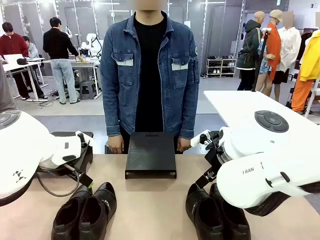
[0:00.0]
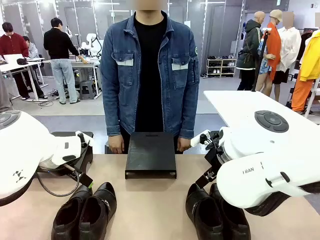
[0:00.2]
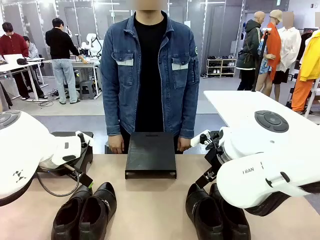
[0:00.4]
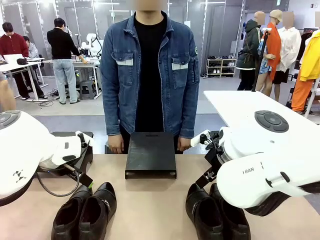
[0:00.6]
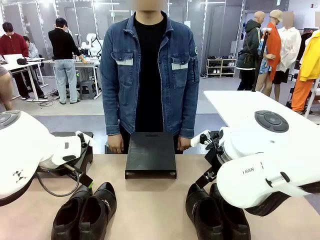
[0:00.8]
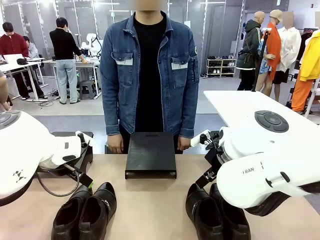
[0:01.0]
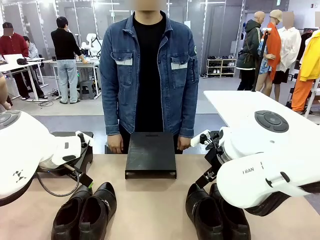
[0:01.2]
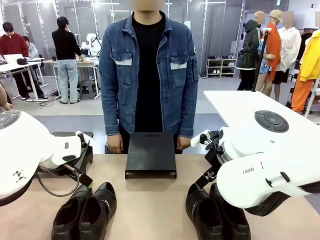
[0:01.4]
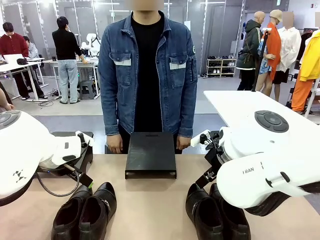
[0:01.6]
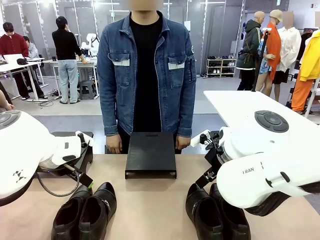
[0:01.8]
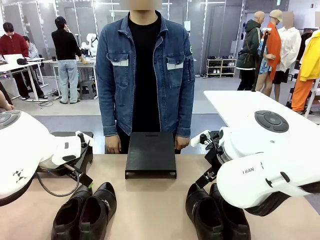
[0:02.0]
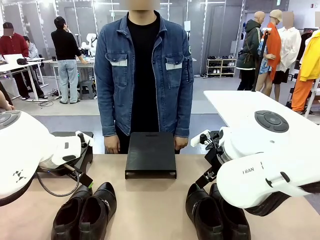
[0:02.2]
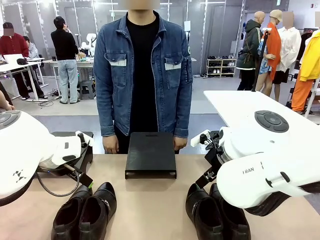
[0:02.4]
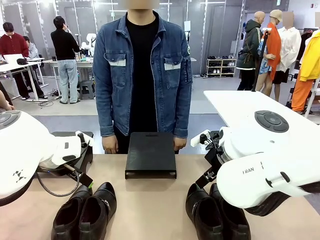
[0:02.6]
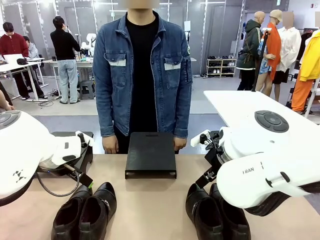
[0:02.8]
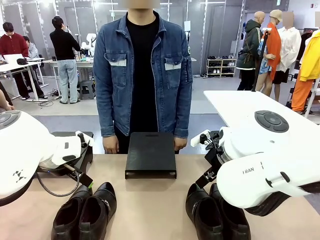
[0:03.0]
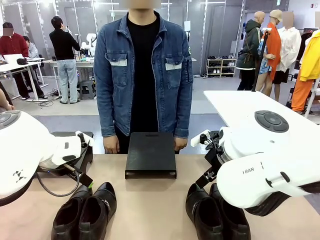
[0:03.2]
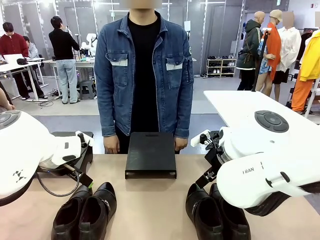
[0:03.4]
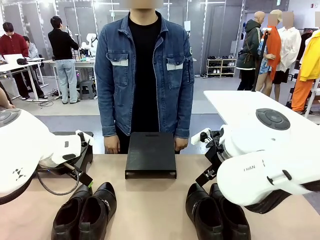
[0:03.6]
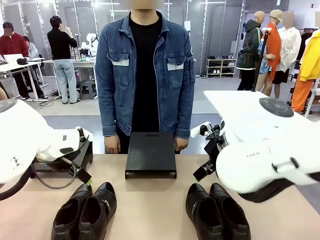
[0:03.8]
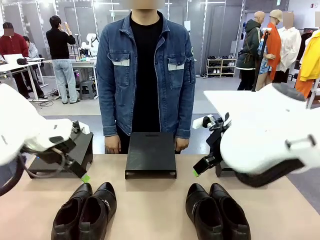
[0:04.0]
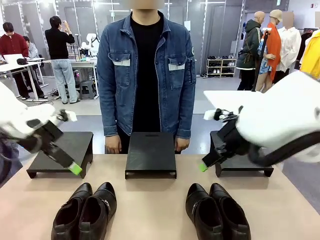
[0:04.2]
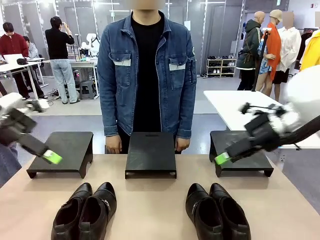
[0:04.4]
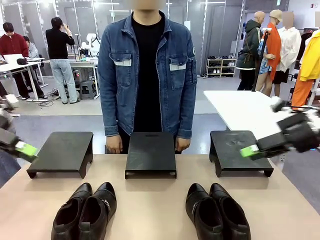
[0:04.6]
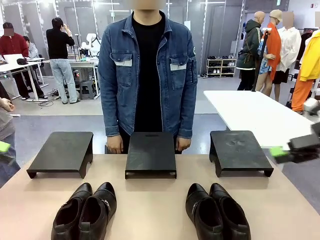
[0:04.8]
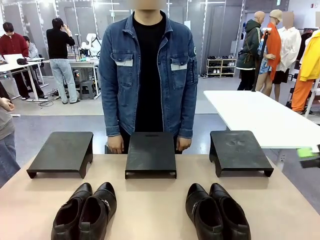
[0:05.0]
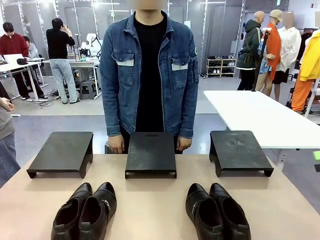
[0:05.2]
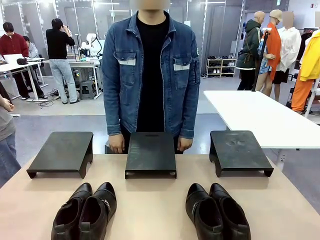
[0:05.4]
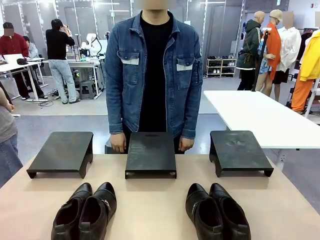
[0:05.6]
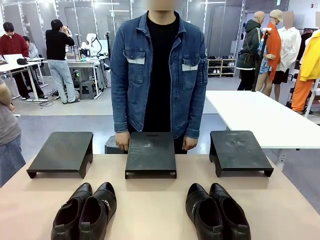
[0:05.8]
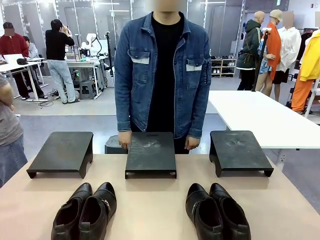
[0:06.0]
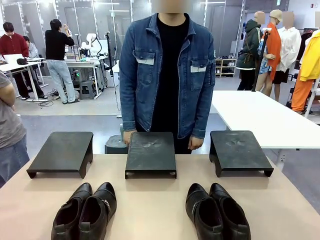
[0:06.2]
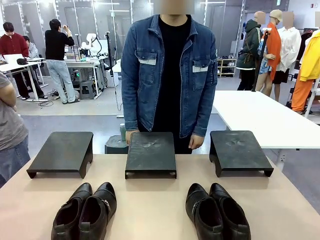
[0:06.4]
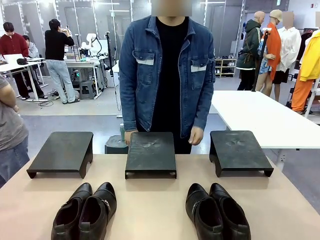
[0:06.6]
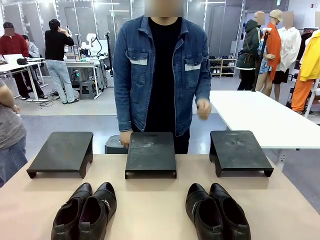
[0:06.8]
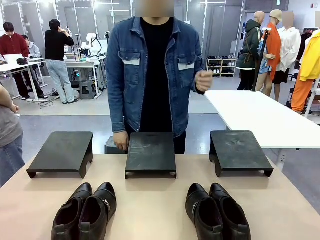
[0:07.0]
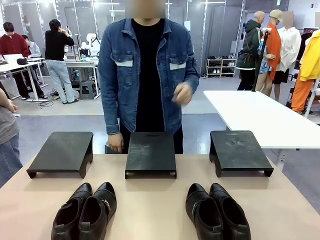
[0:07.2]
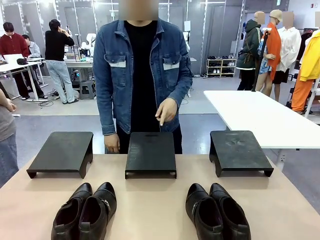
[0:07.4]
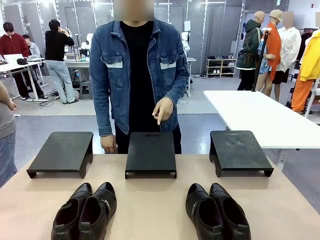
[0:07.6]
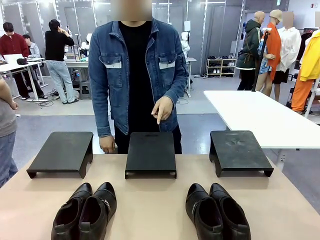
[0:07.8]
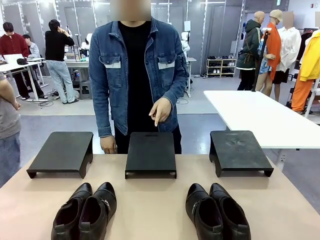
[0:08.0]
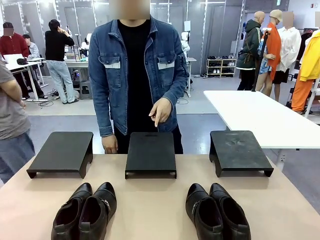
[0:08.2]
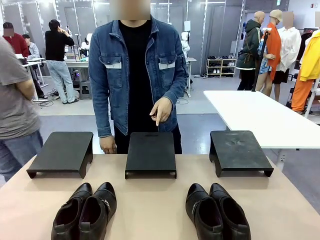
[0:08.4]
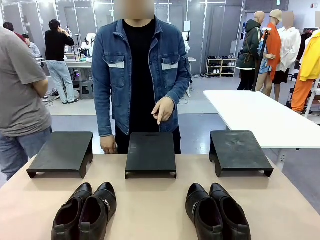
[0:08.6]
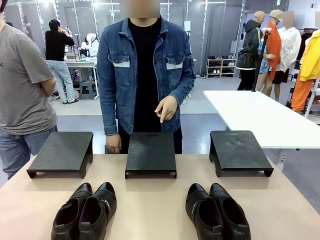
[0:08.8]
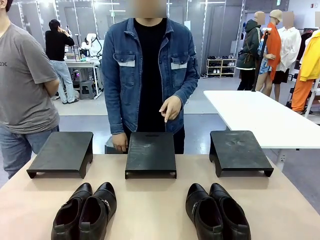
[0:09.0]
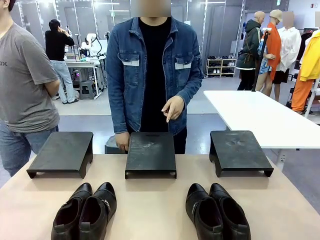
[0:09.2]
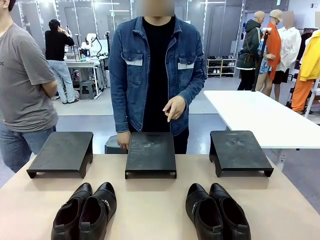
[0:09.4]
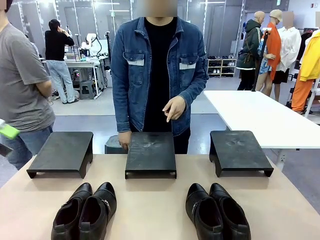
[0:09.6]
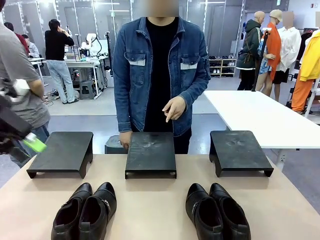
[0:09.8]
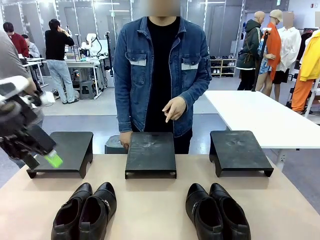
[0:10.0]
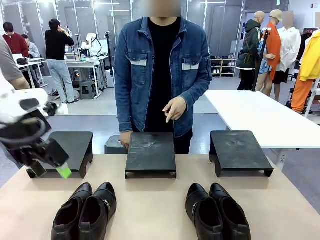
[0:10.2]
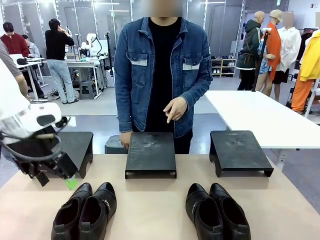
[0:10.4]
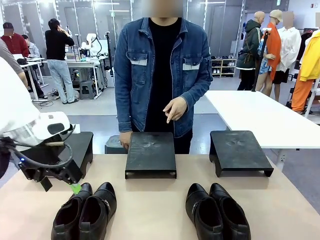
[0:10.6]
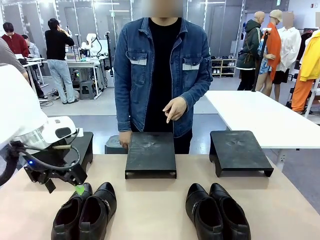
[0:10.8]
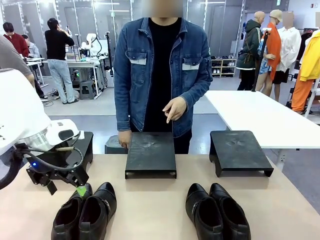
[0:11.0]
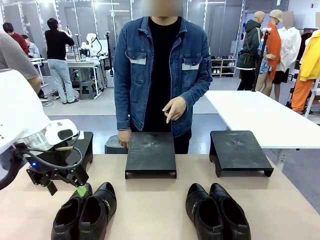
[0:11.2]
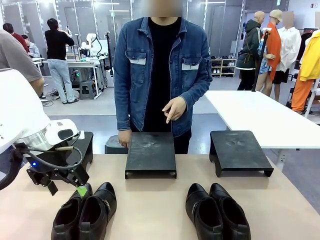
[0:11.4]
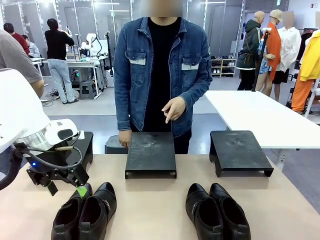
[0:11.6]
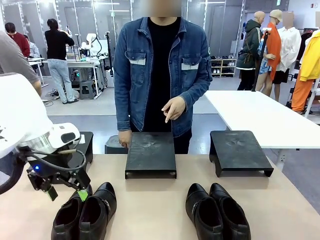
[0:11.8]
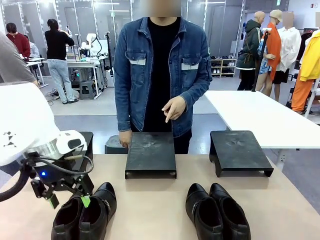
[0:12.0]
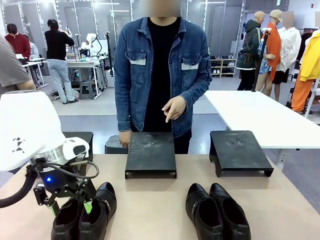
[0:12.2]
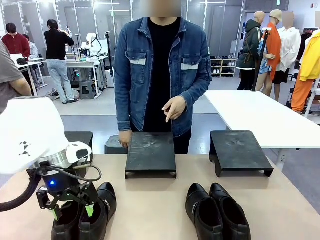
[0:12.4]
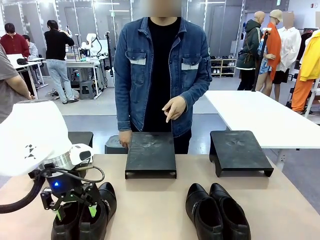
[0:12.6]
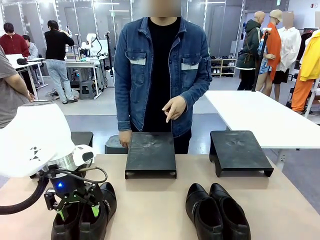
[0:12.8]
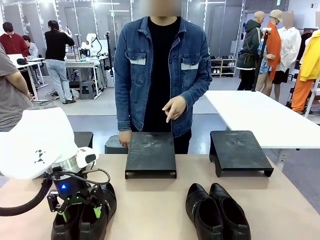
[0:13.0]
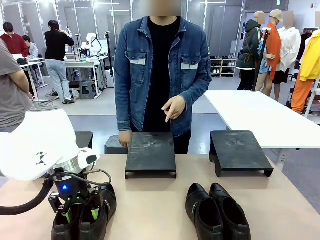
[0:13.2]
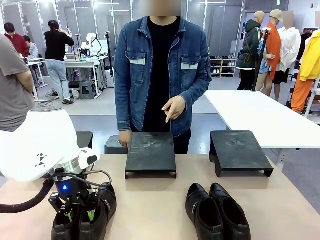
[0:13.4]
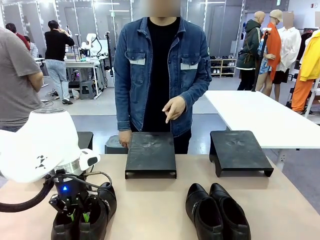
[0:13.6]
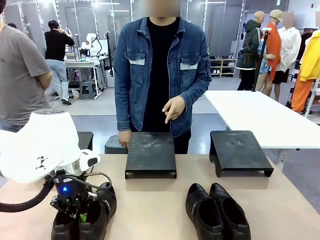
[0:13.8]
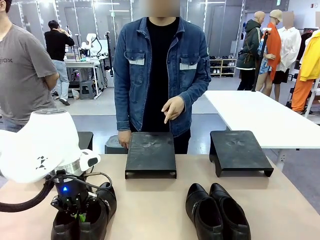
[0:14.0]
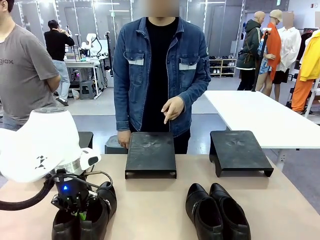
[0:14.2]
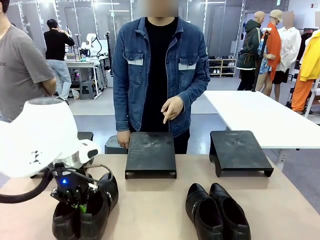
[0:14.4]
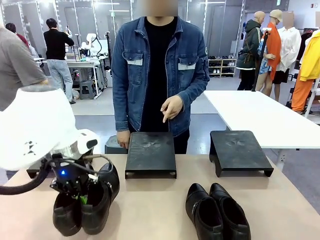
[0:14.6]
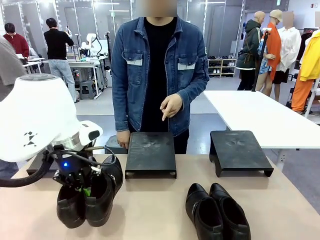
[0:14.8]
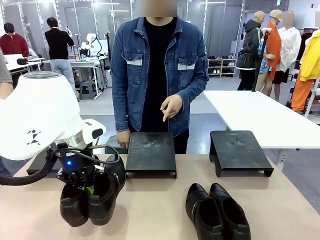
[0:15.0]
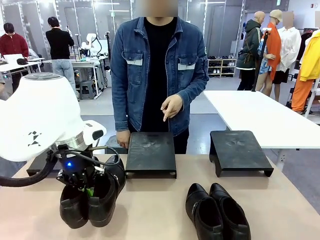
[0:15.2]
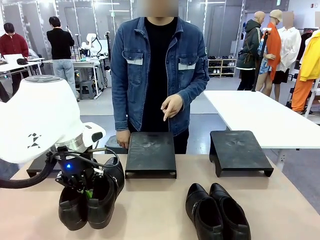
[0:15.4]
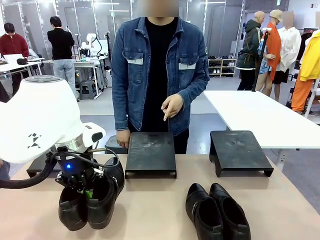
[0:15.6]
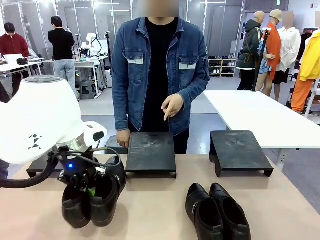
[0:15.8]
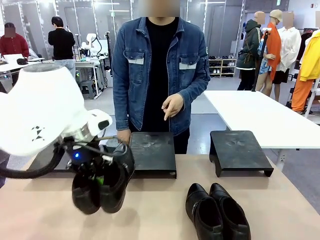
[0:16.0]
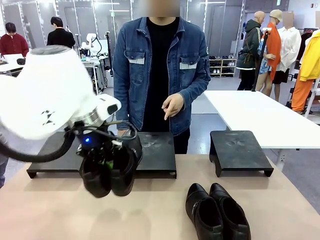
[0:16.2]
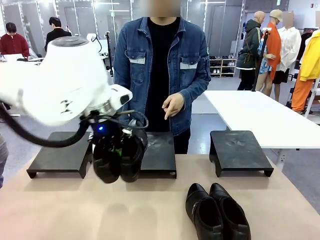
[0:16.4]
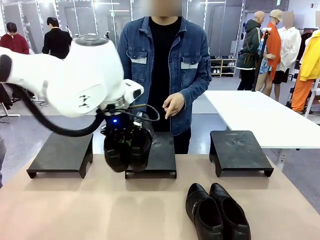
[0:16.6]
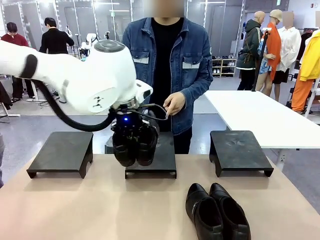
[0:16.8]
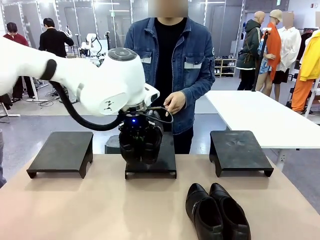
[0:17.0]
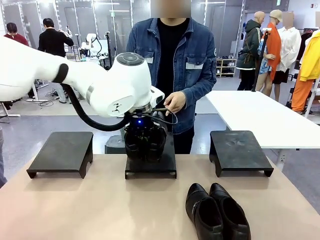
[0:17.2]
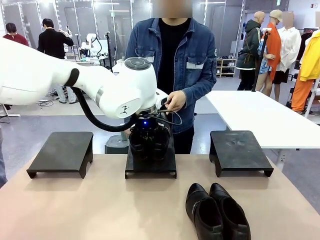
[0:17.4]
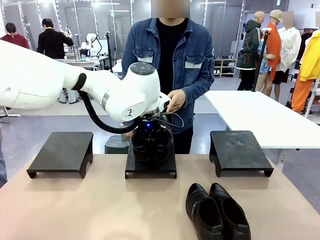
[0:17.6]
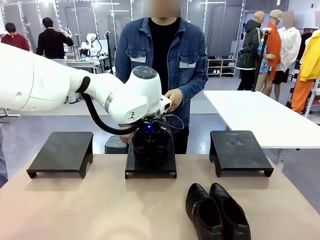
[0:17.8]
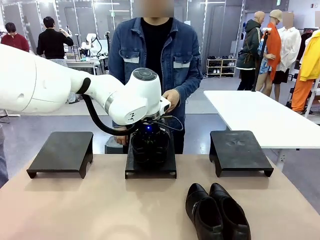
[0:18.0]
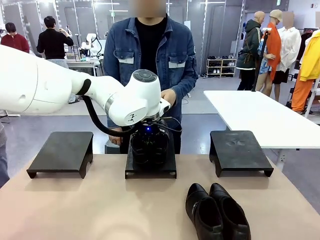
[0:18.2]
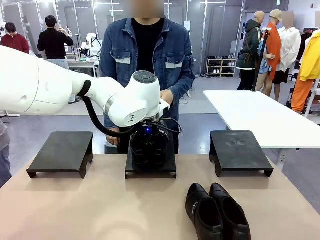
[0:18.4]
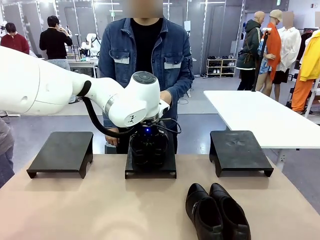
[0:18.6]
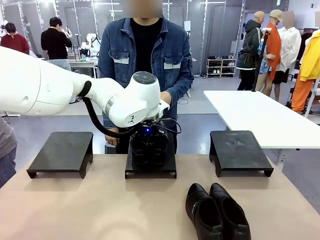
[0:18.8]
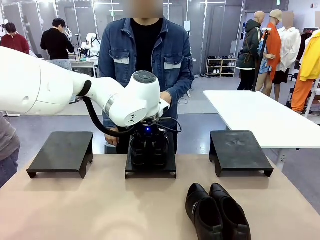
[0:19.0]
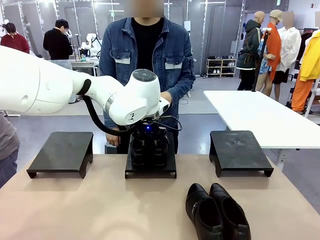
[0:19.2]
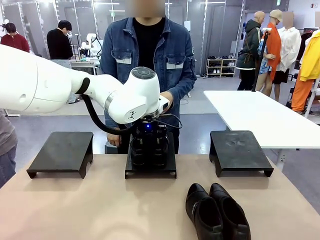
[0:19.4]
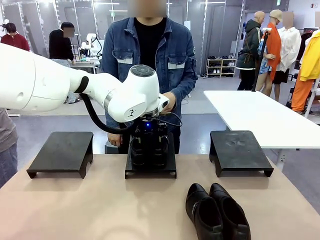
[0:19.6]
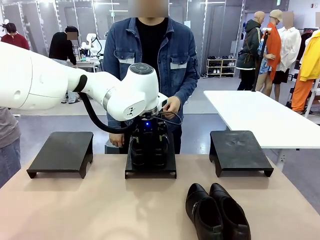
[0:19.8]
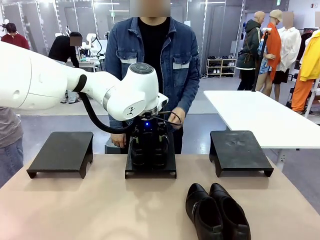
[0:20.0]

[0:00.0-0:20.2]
Task: Place the shoes on the stand as instructed by the person.
Robot: Pick up one pair of Shoes and place it on the Shoes Stand indicated by the person.
